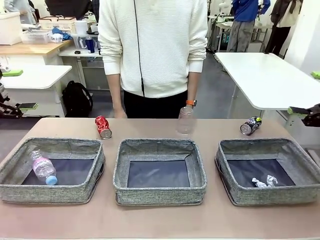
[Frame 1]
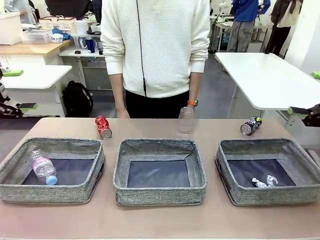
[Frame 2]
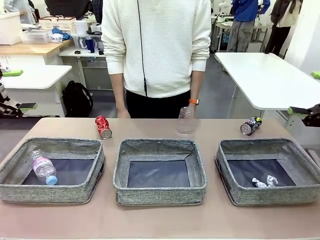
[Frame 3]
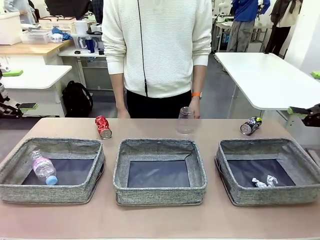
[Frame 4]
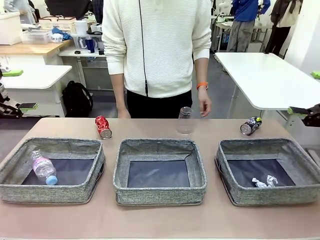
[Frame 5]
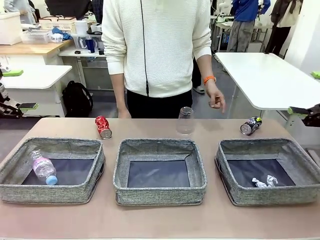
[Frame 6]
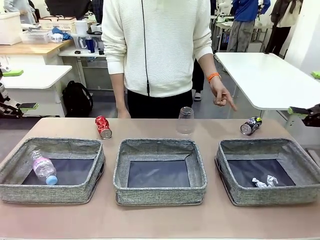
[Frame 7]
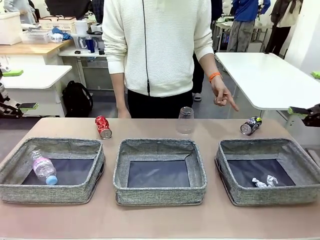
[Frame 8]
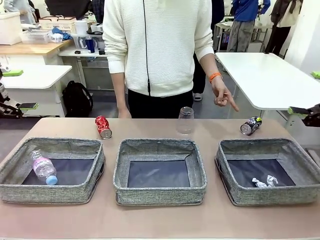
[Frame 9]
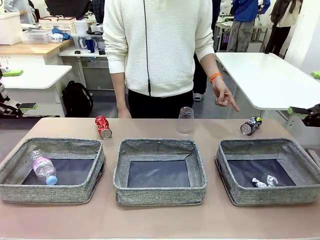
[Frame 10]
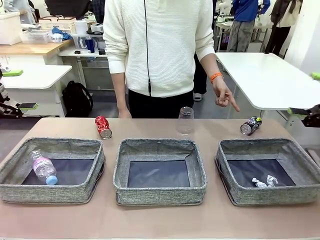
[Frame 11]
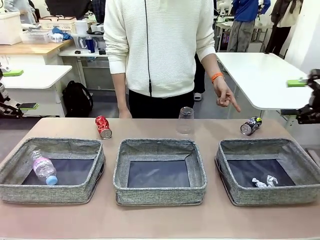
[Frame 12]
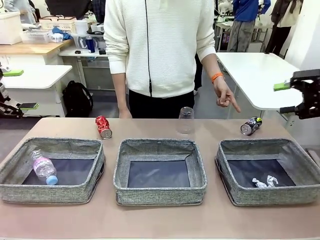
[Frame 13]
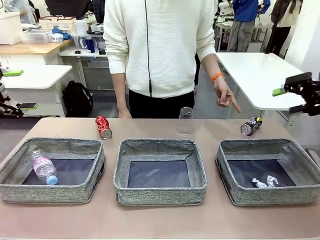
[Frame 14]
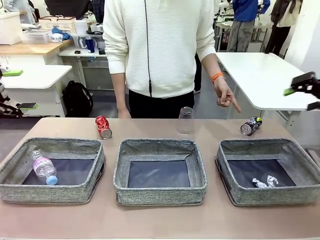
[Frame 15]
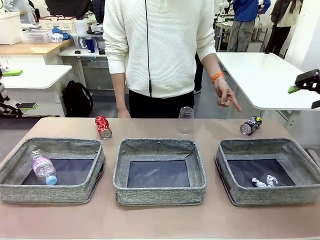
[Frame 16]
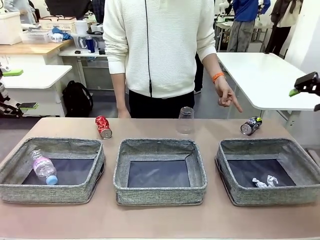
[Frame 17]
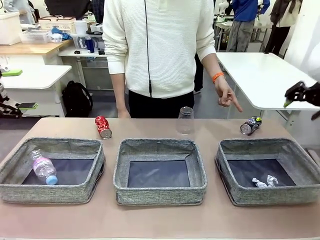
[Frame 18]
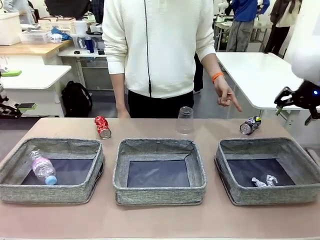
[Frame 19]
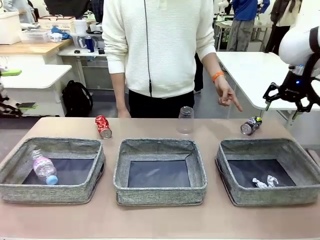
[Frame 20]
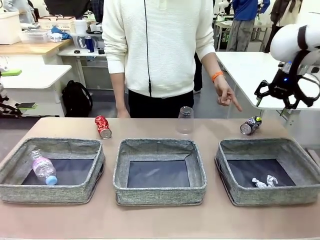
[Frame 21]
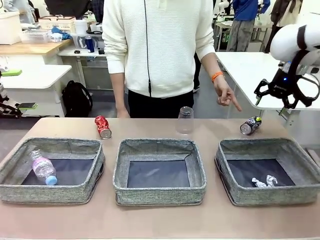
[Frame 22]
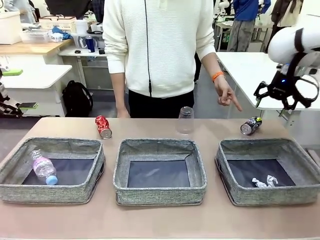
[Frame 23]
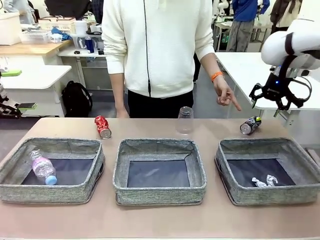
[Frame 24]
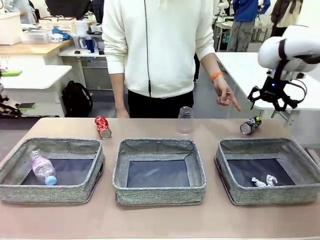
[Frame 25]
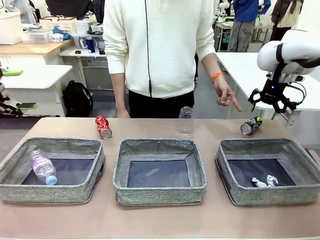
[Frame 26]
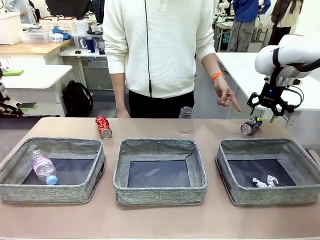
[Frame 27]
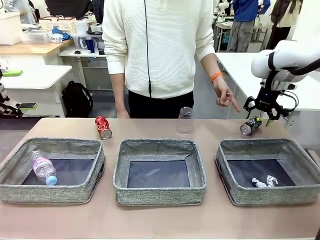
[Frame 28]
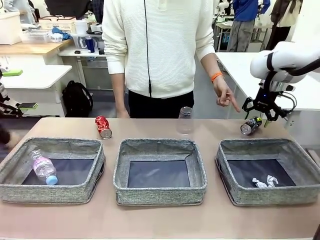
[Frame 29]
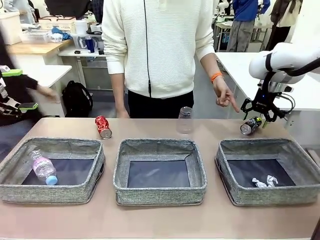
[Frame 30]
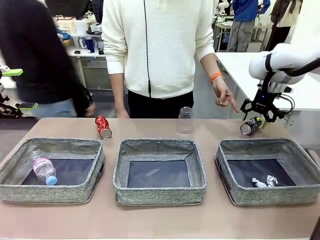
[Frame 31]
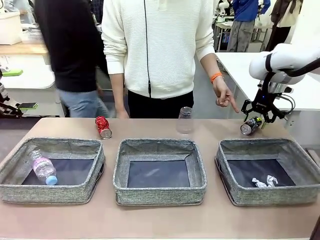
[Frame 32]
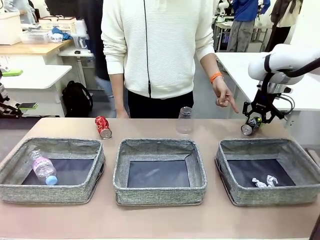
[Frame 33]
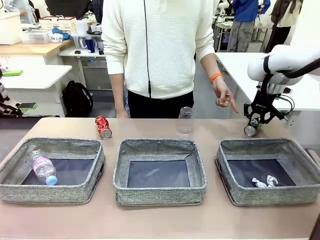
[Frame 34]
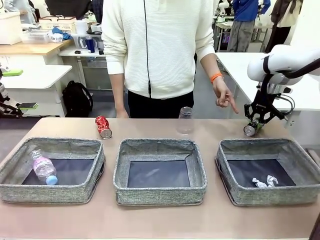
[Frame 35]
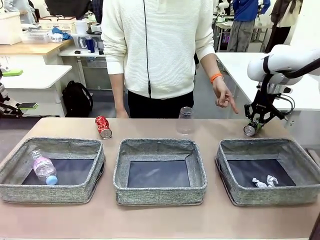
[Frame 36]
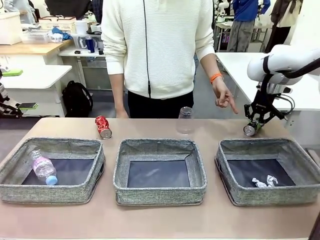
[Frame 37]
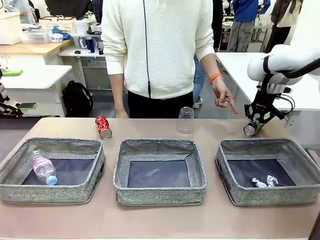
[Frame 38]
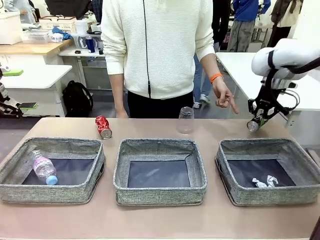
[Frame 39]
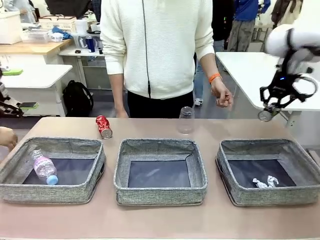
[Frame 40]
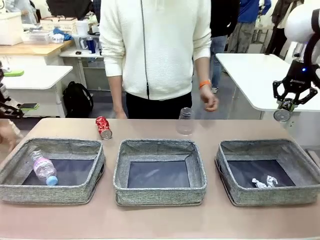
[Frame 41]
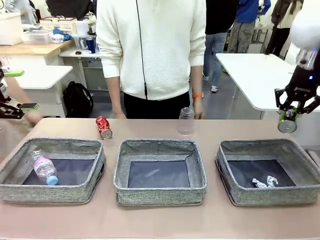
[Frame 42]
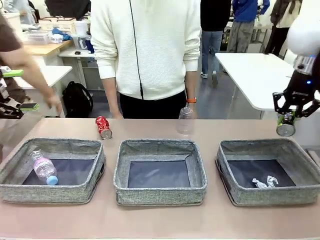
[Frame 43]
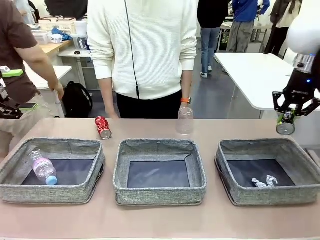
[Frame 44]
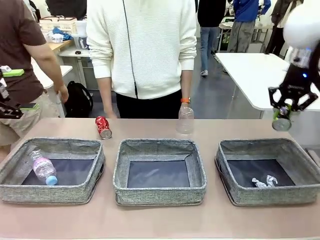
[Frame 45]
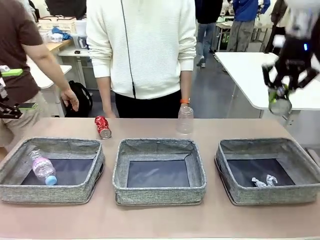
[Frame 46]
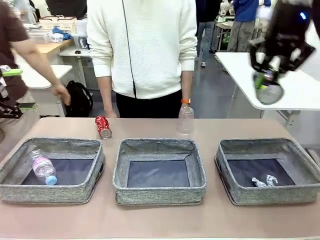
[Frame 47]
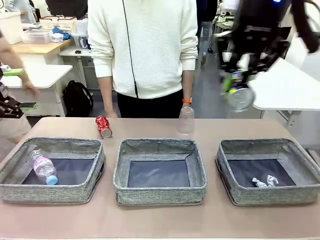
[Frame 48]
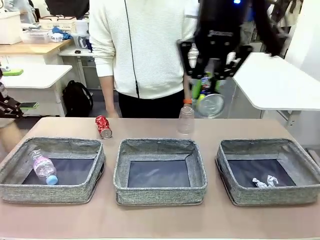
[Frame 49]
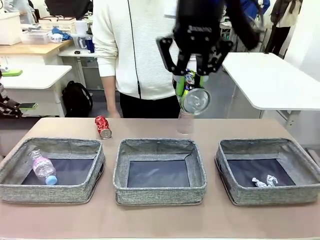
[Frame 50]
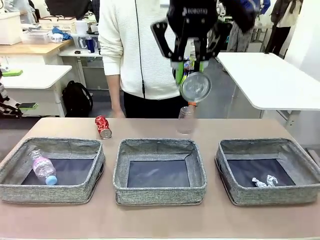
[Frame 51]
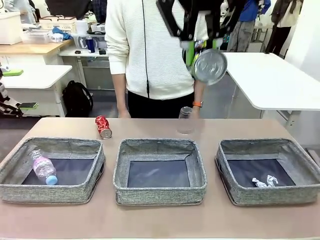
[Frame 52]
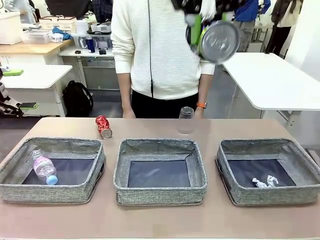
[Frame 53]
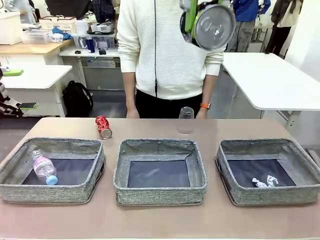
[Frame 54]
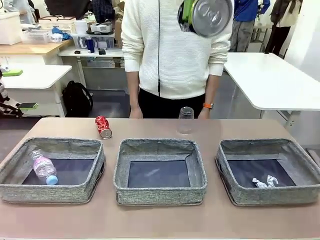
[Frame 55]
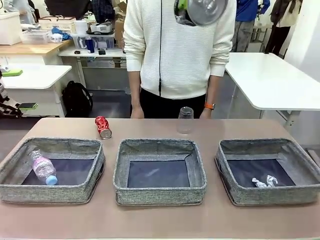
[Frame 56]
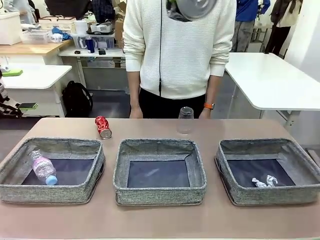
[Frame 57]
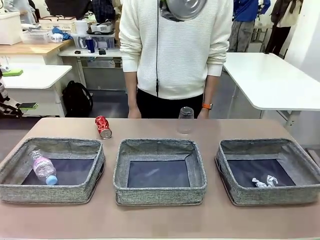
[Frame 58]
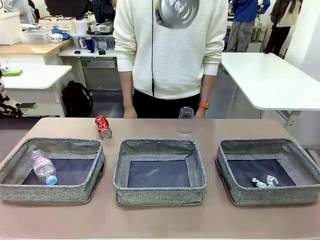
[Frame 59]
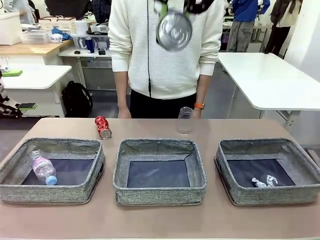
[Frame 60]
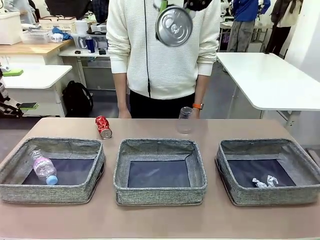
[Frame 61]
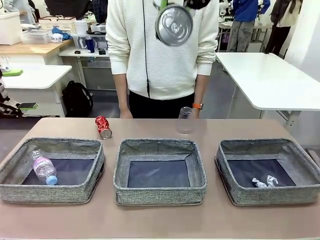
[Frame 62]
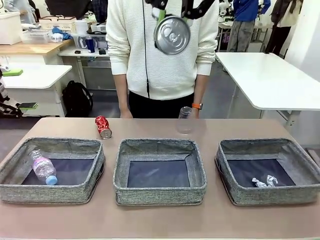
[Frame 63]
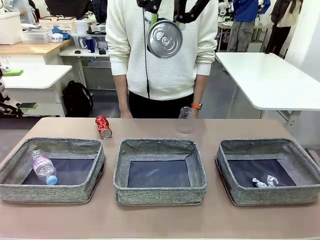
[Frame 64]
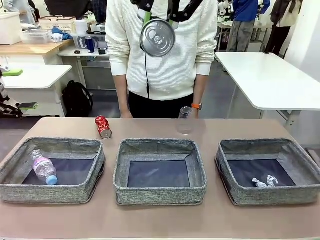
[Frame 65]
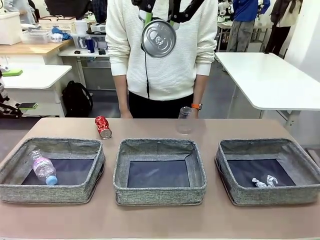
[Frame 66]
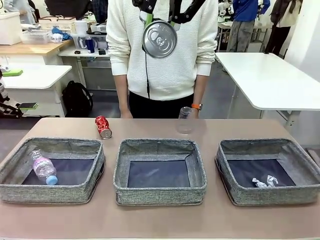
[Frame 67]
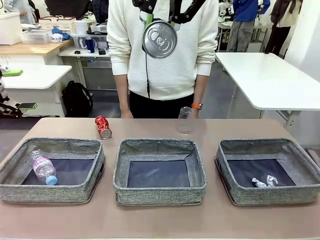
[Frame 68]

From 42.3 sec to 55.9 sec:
Task: Sort the waste into the appropriate baskets.
Robot: Pick up the waste item pointed out by the person.
Person: Points to one piece of trash on the table.

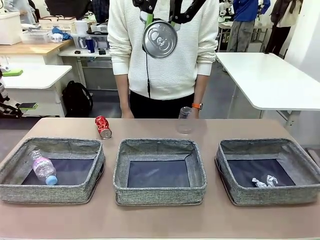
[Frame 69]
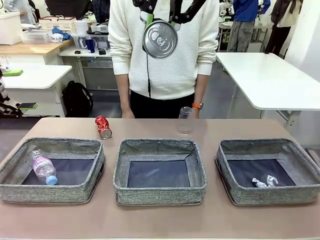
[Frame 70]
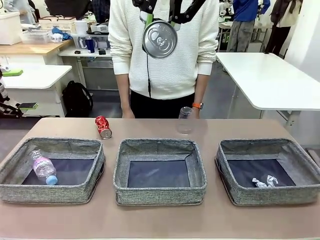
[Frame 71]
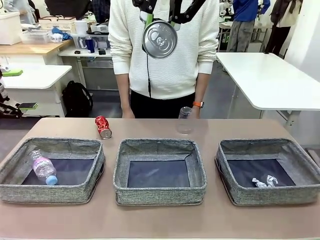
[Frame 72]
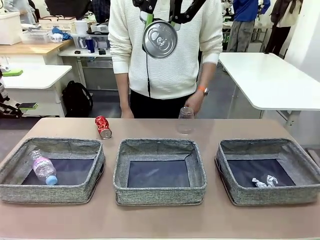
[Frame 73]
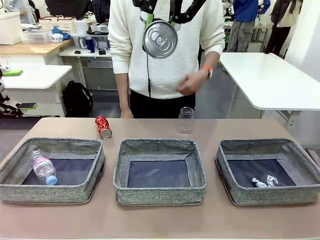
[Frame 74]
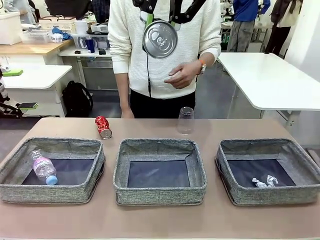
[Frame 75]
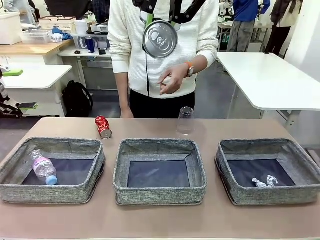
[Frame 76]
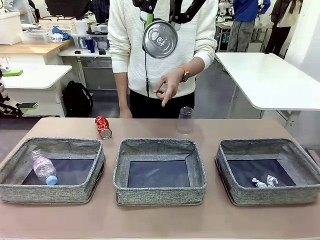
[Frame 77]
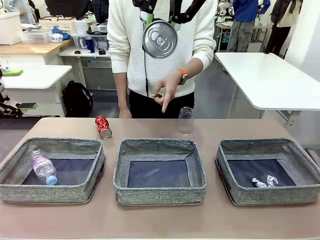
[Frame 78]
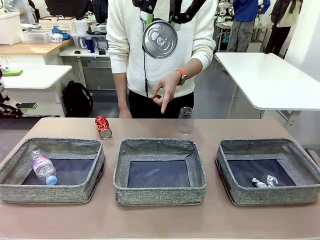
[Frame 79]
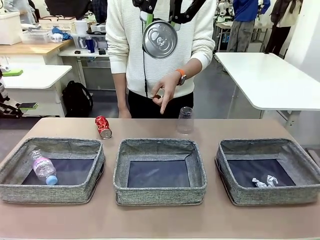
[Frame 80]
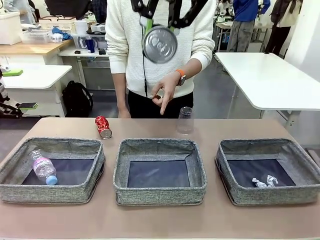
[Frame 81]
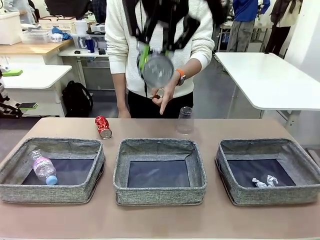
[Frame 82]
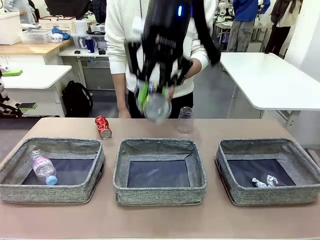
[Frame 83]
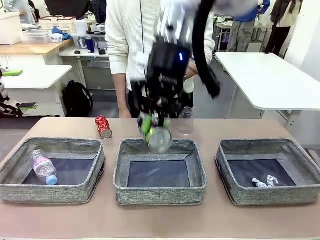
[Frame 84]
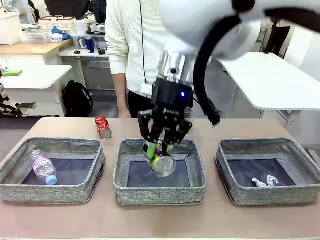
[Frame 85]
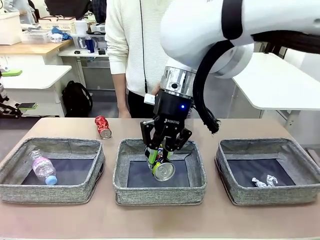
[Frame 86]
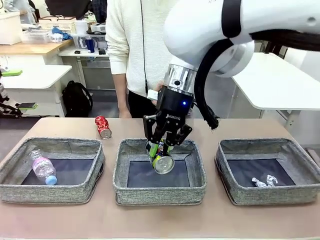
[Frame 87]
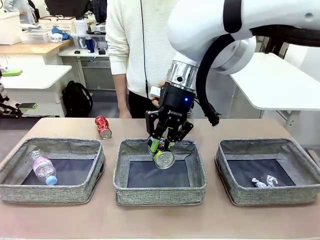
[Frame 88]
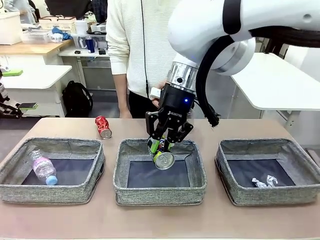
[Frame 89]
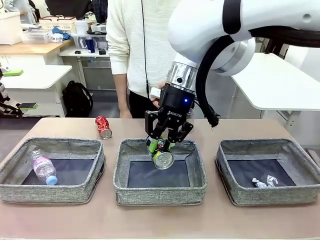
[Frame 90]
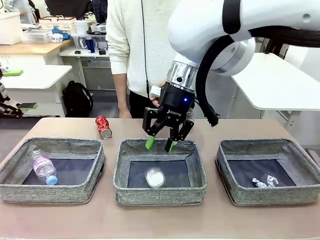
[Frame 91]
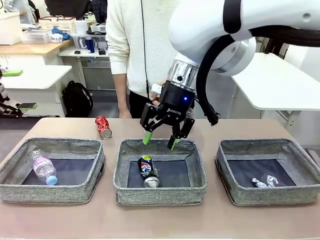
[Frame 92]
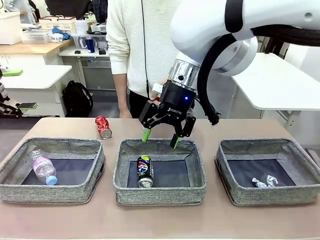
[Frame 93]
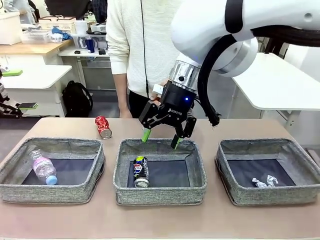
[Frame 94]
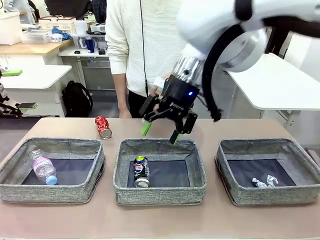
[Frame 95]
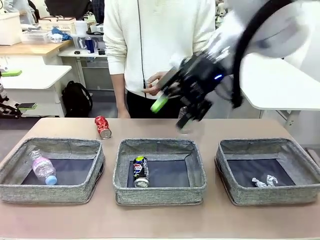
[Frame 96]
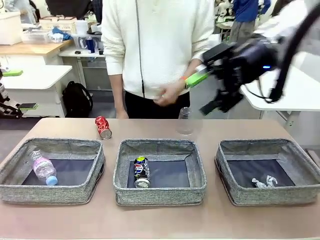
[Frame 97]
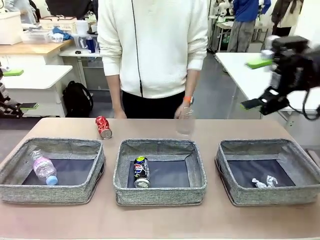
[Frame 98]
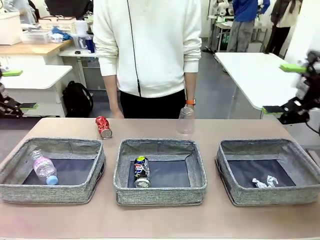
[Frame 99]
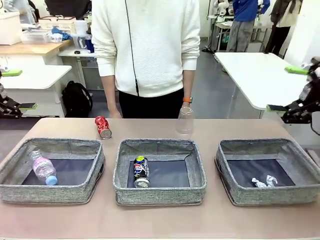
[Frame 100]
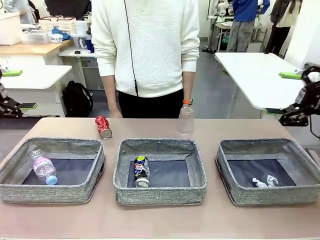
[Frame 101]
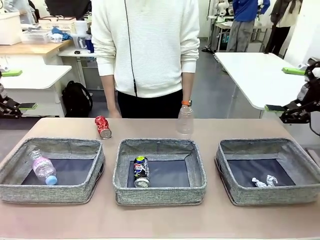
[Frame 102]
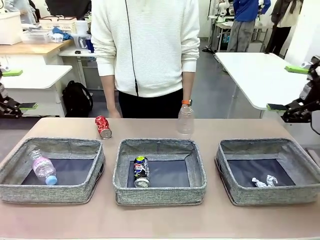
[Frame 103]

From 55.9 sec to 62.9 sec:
Robot: Place the picked waste into the Fabric basket indicated by the person.
Person: Instructs the robot to place the picked-up trash into the appropriate organizing basket.
